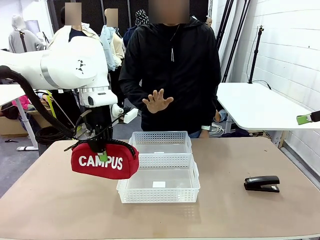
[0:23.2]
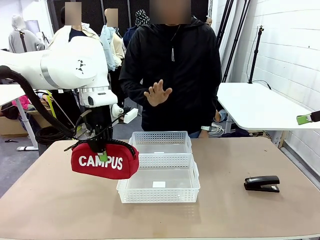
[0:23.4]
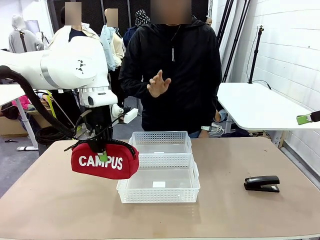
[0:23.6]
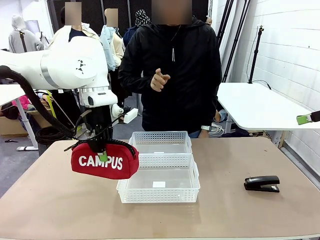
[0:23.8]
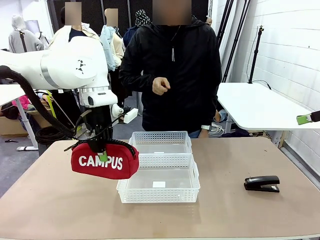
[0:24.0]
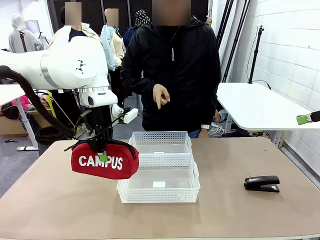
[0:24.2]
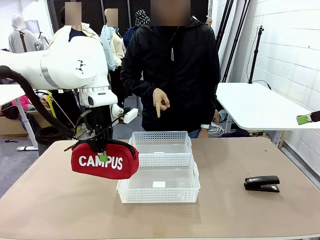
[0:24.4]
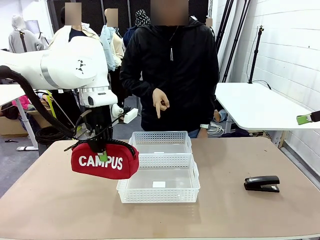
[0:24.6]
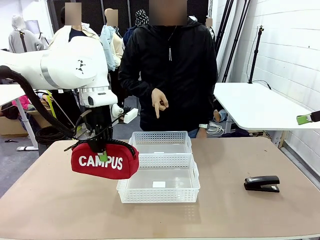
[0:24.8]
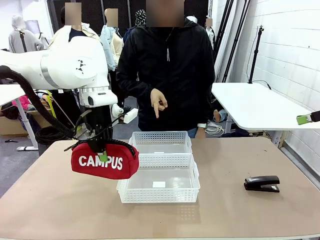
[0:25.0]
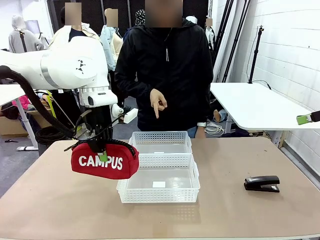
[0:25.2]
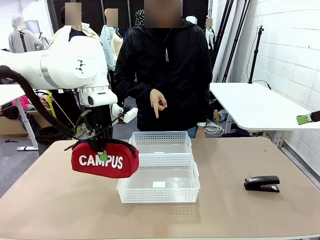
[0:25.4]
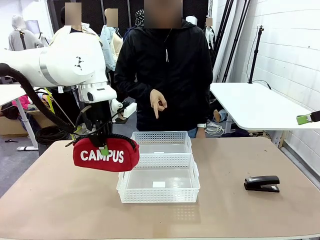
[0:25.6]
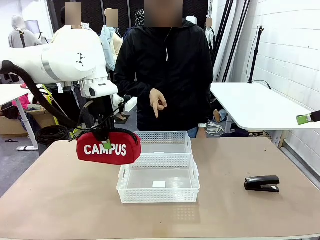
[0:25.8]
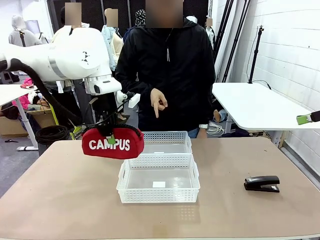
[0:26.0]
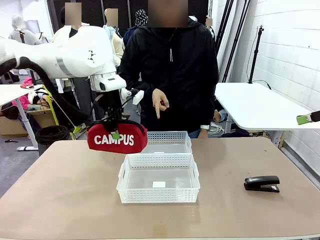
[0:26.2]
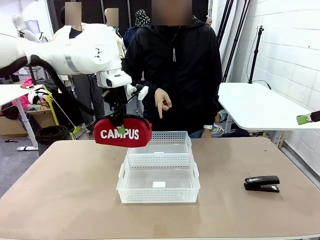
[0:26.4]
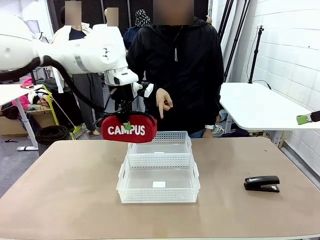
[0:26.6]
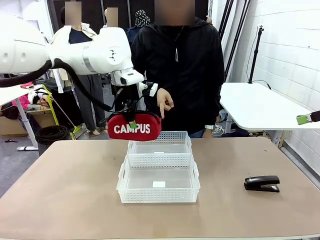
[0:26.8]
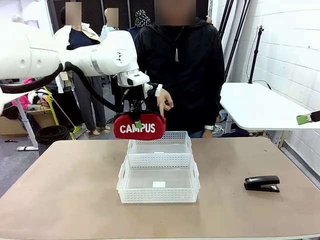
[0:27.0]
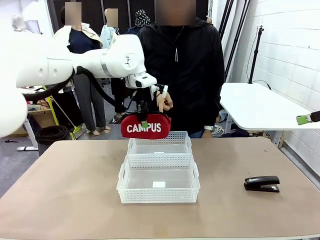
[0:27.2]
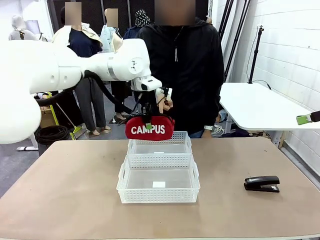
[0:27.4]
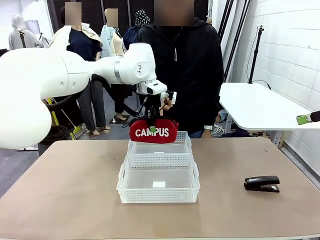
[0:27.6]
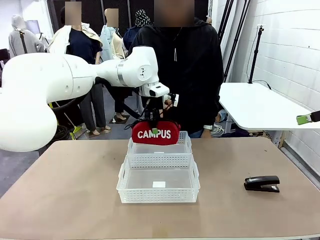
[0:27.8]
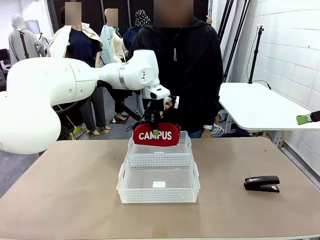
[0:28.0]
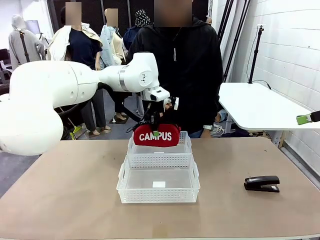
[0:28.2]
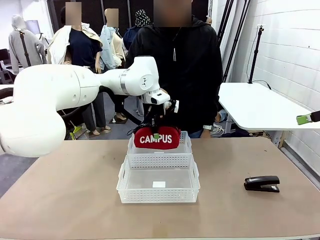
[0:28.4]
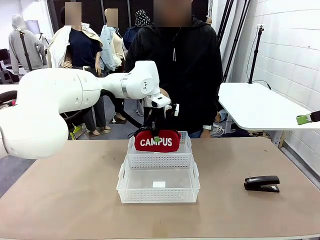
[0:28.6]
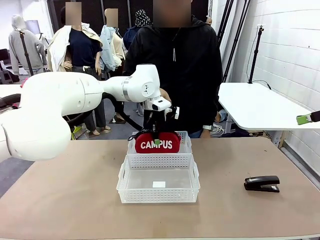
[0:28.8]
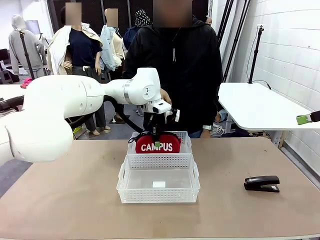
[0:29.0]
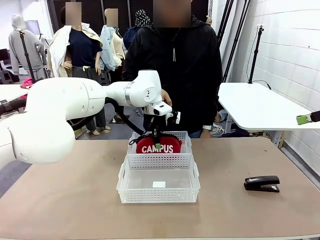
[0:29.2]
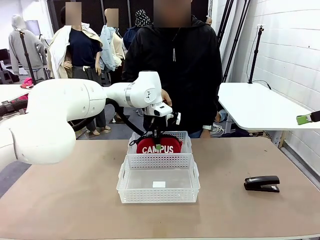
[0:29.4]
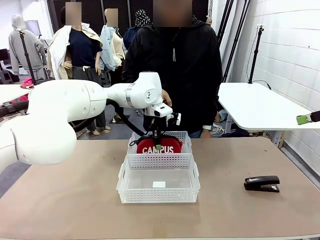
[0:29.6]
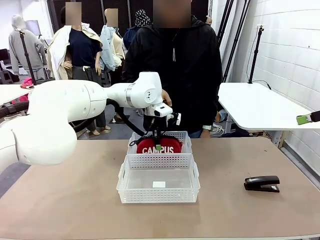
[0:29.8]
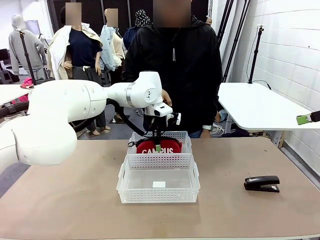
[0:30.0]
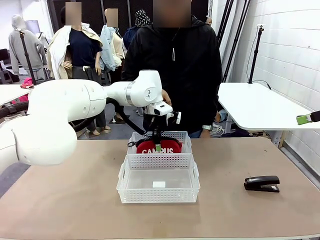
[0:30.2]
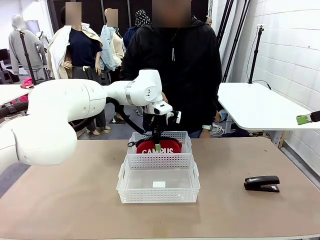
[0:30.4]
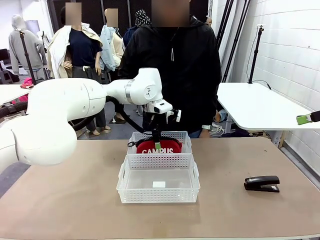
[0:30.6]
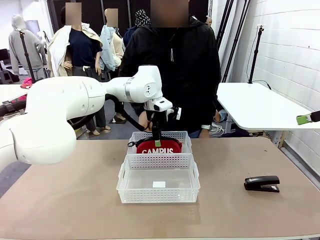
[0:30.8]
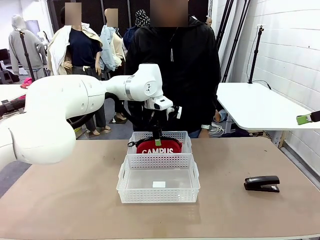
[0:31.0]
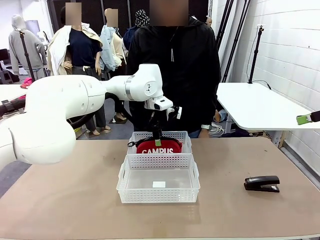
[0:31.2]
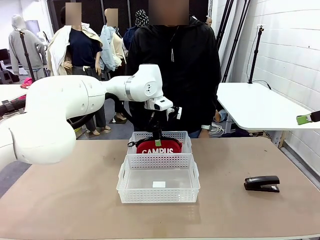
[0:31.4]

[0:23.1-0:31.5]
Task: Distribute items into two baskets.
Robot: Place the picked Pencil pouch into the Organizing basket as instructed by the person.
Person: Instructs the robot to place the pencil case into the opposite basket.

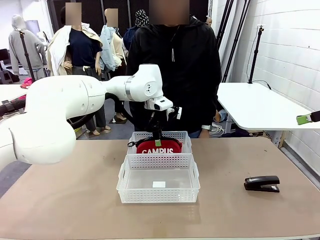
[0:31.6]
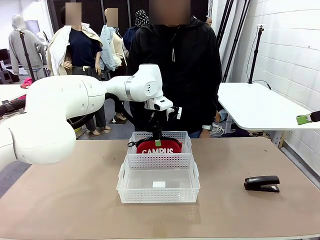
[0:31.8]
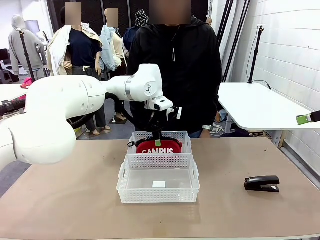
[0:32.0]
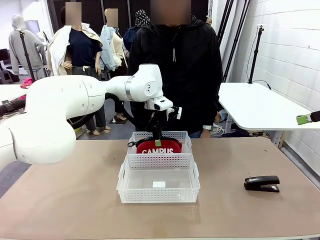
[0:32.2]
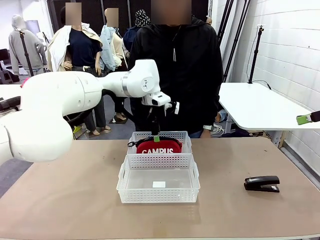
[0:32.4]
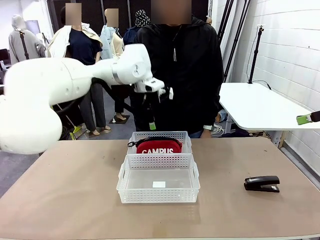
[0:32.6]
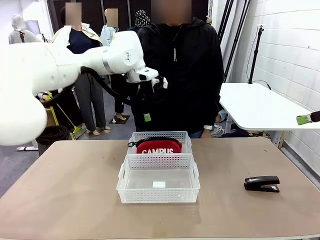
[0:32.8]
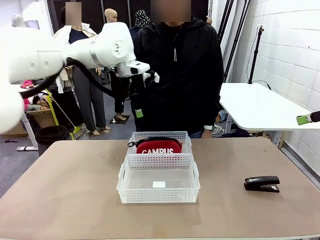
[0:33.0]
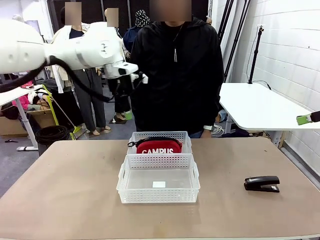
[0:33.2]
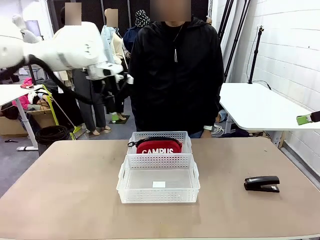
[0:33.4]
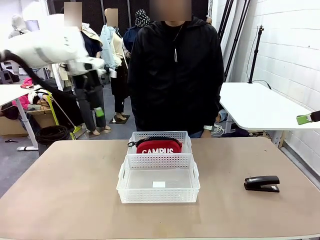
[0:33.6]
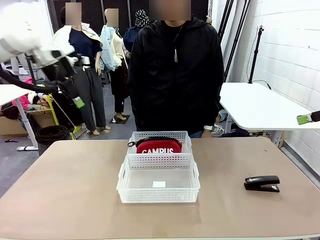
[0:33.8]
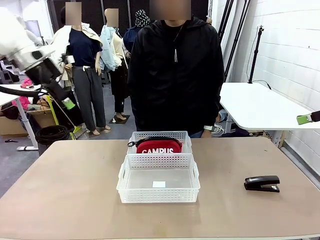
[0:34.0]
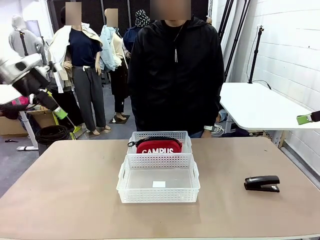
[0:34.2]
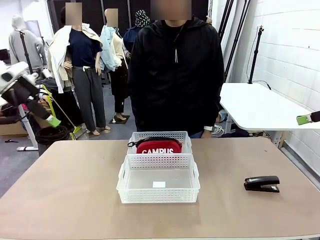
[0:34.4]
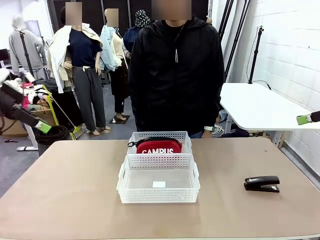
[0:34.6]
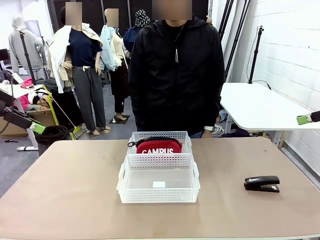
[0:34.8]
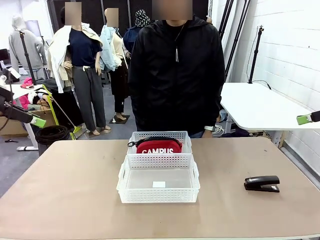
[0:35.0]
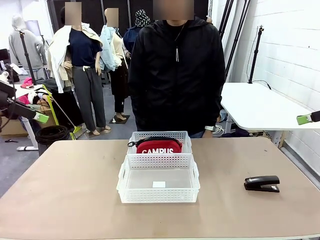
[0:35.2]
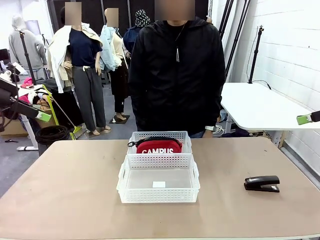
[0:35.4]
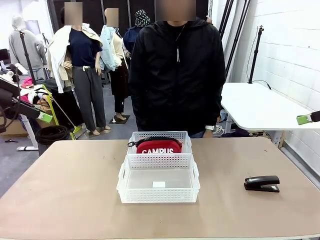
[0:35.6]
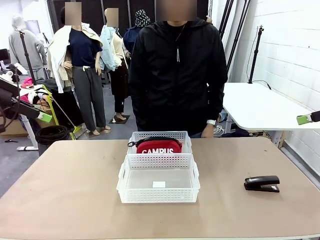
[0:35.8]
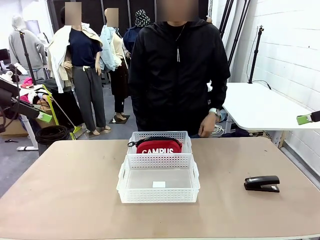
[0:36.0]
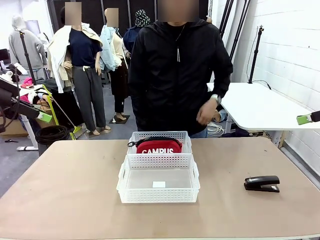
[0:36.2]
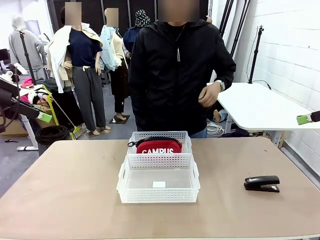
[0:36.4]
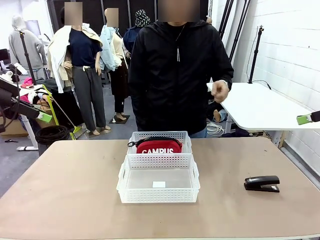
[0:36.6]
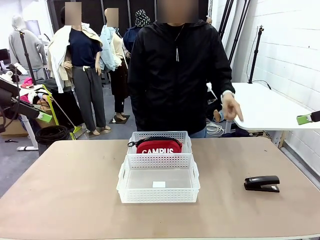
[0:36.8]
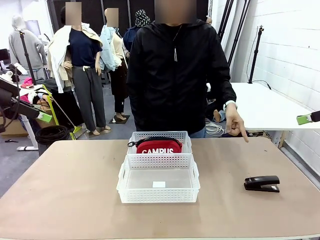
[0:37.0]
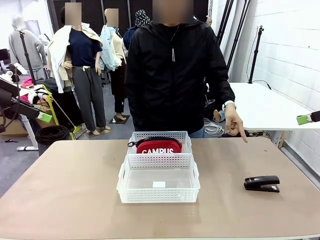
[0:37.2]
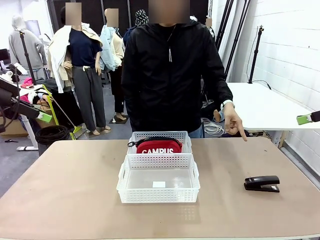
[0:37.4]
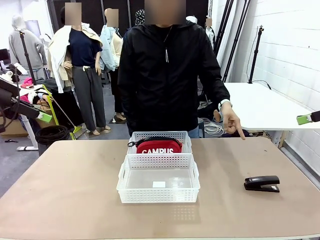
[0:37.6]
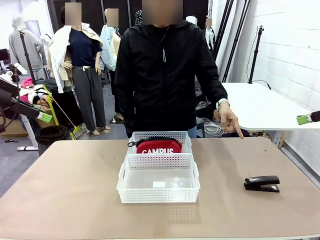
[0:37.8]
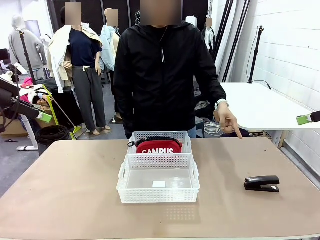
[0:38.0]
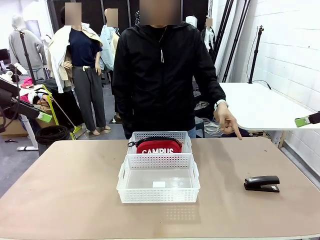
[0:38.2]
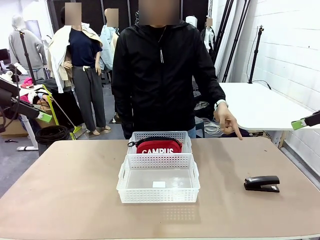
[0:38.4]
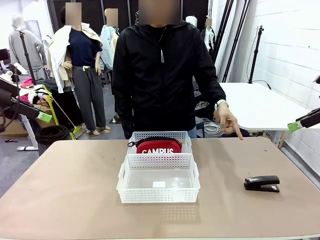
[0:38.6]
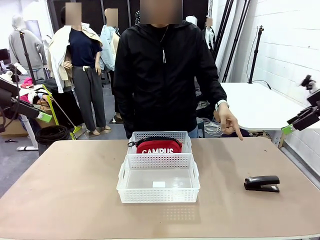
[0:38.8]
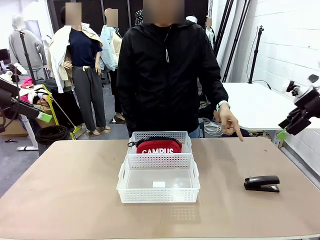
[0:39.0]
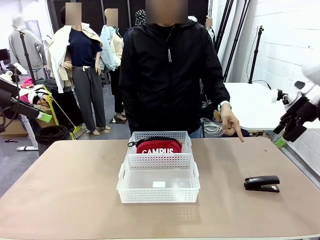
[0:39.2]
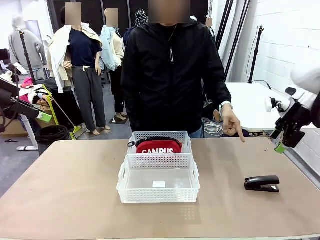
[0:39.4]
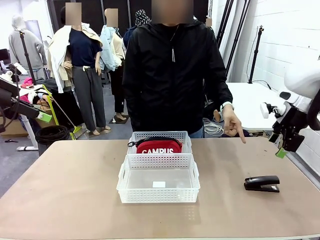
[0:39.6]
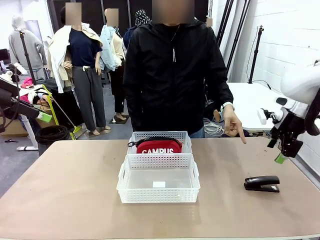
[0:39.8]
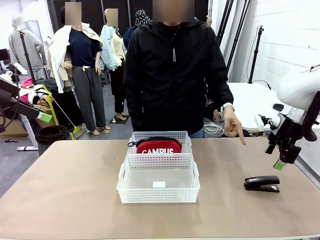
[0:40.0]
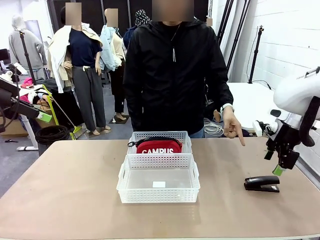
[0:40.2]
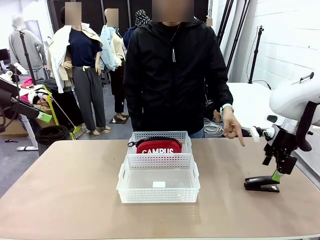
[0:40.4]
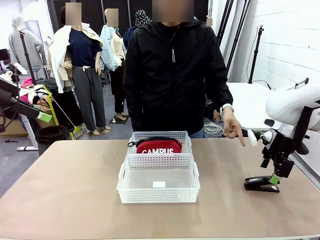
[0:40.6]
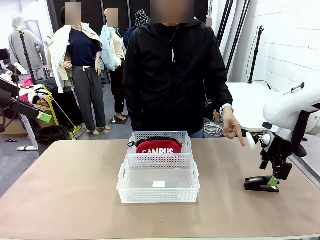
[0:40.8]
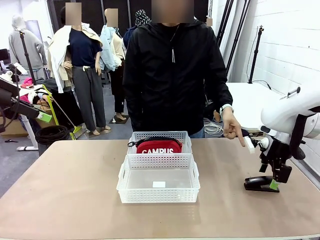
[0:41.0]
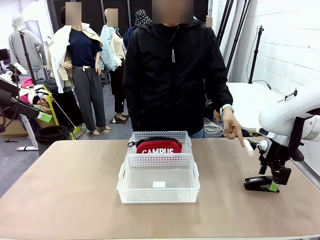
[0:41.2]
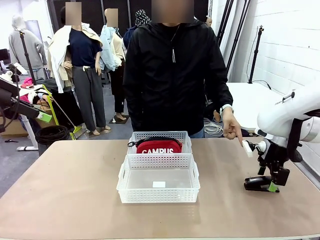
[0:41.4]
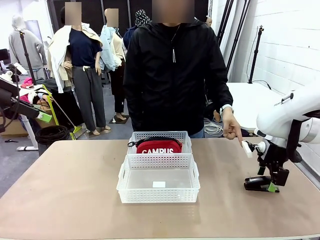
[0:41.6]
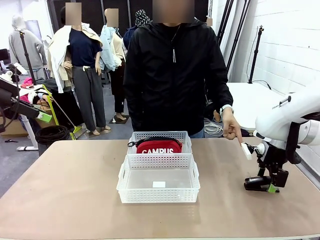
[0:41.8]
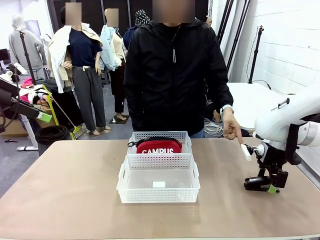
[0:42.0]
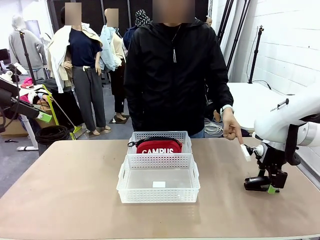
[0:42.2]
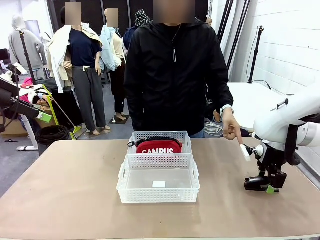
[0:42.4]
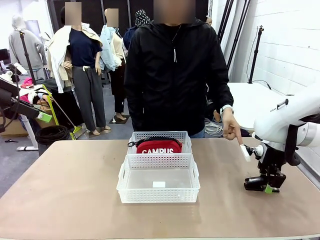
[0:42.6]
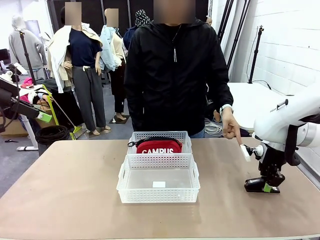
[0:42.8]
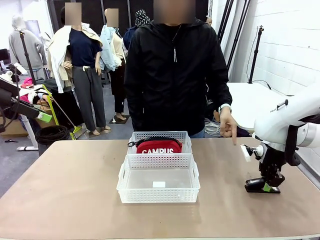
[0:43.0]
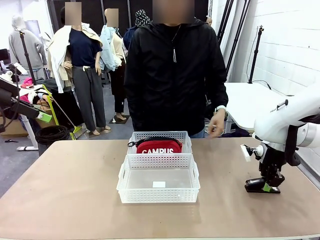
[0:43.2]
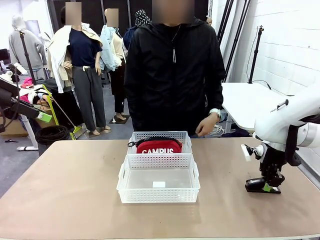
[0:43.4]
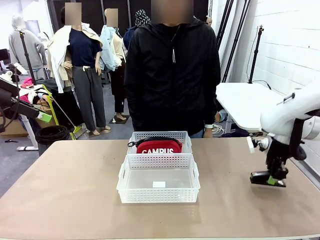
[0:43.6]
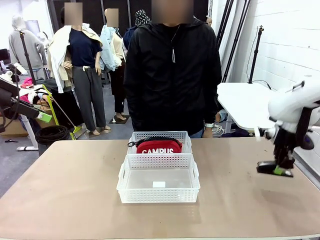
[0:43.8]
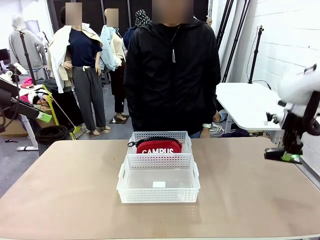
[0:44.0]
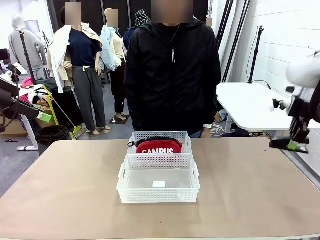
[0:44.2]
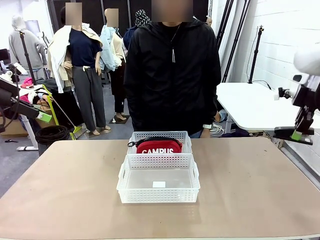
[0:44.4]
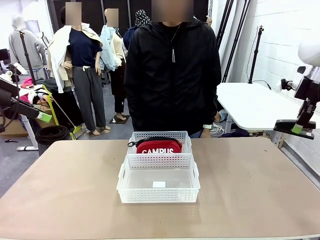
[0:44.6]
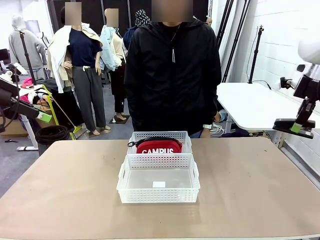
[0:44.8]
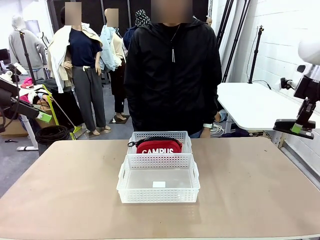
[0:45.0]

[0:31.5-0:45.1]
Robot: Pick up the Stapler that the person points to.
Person: Points to the stapler.
